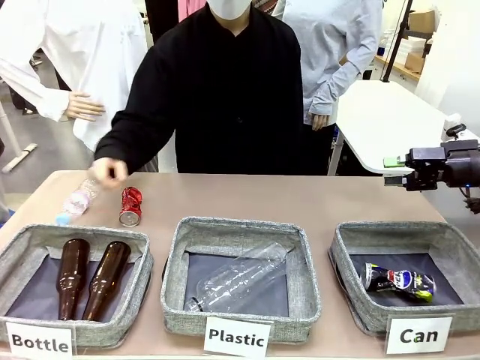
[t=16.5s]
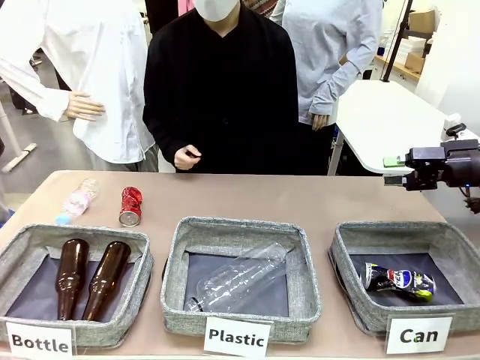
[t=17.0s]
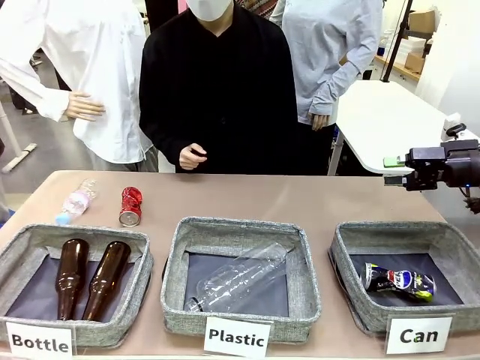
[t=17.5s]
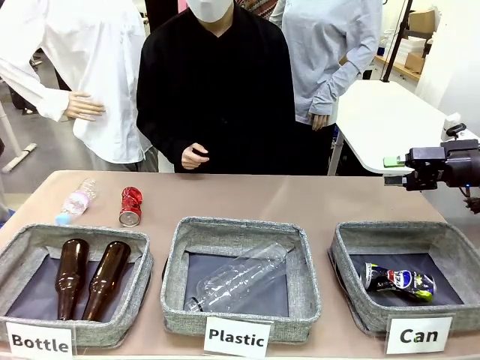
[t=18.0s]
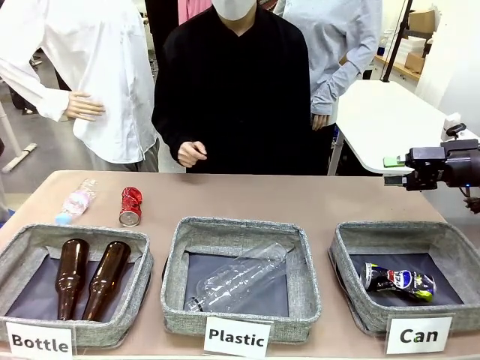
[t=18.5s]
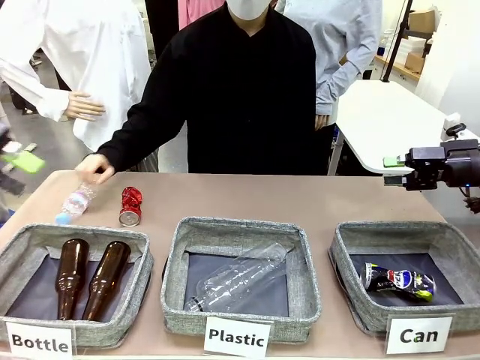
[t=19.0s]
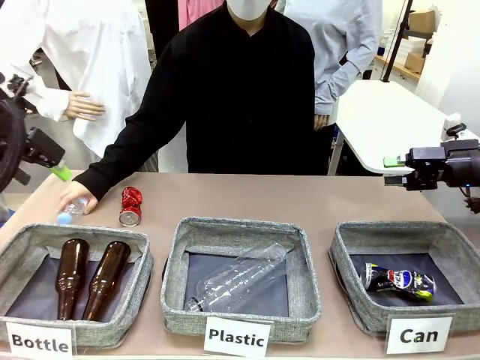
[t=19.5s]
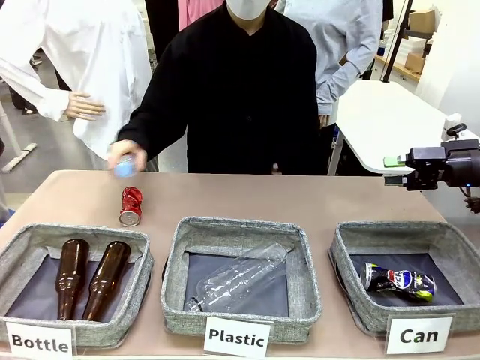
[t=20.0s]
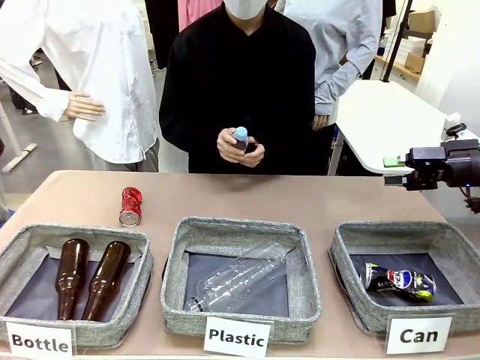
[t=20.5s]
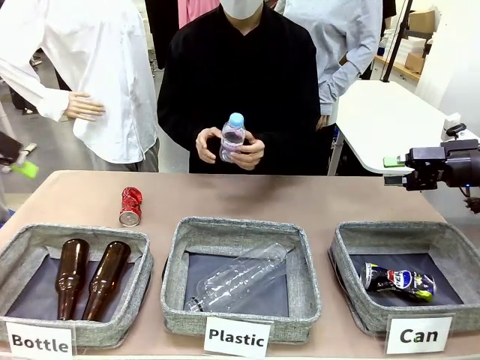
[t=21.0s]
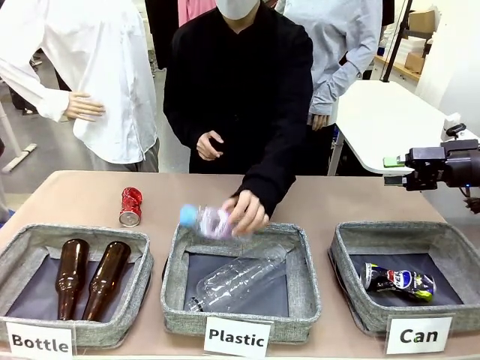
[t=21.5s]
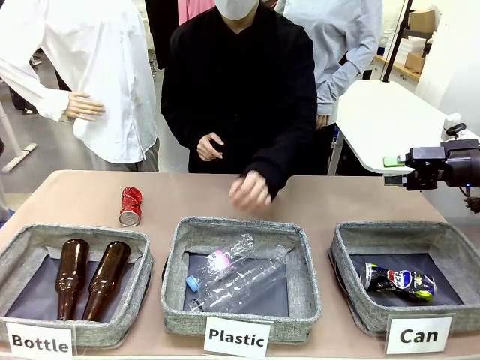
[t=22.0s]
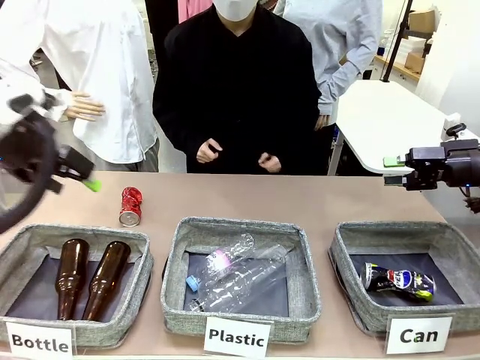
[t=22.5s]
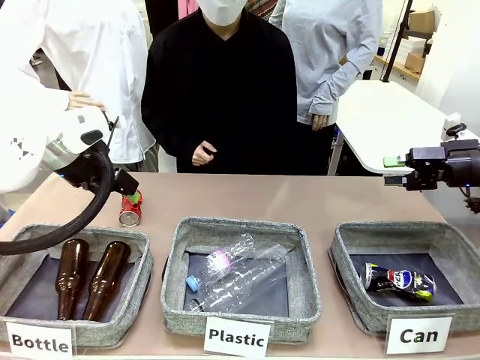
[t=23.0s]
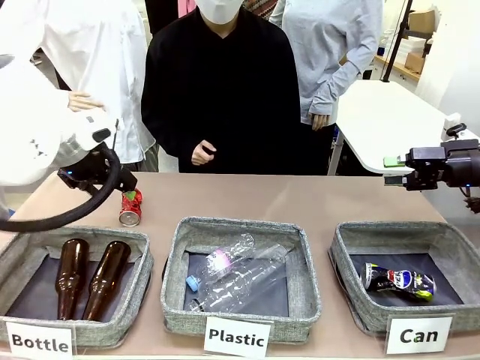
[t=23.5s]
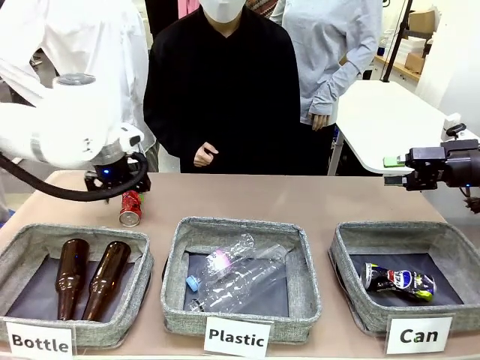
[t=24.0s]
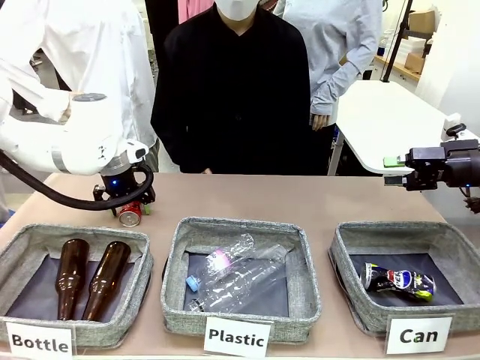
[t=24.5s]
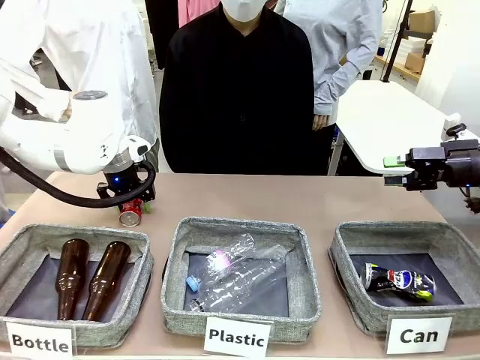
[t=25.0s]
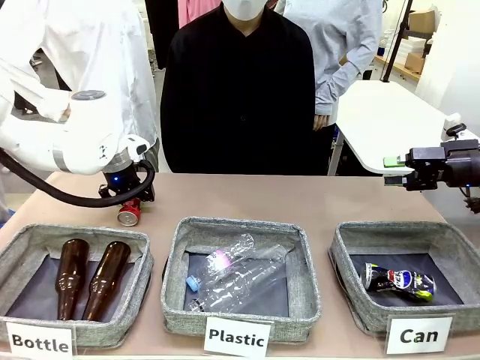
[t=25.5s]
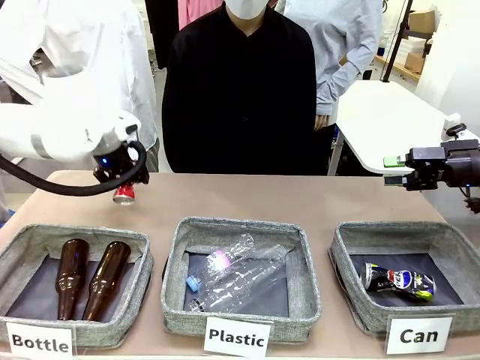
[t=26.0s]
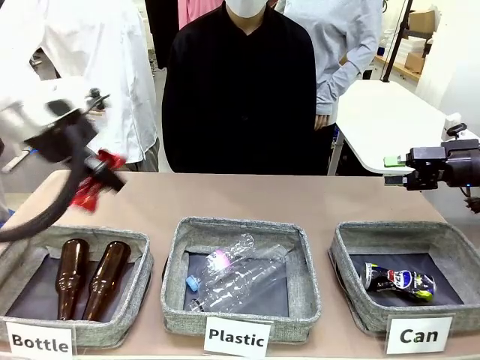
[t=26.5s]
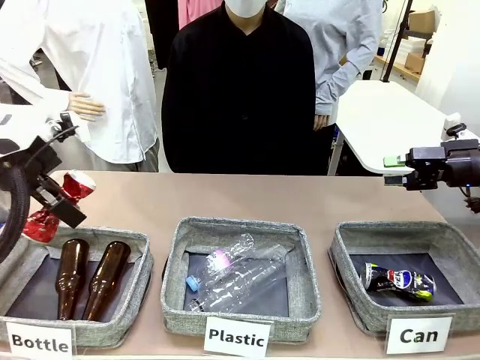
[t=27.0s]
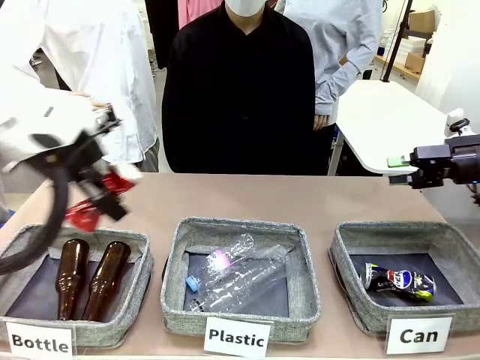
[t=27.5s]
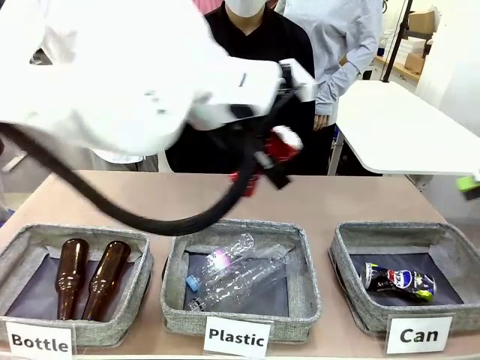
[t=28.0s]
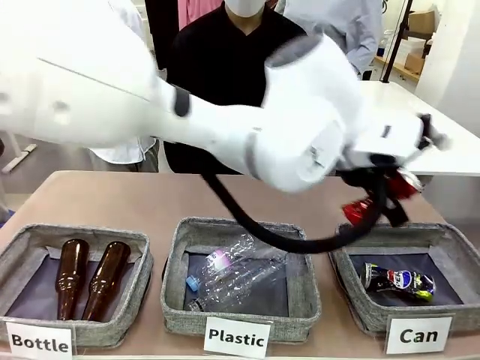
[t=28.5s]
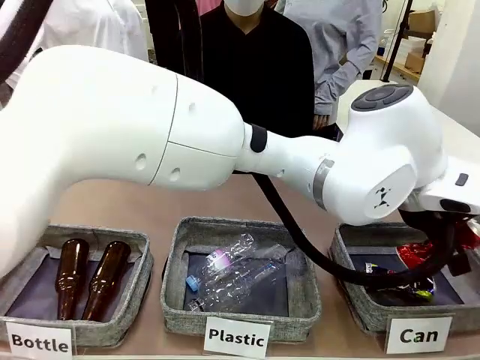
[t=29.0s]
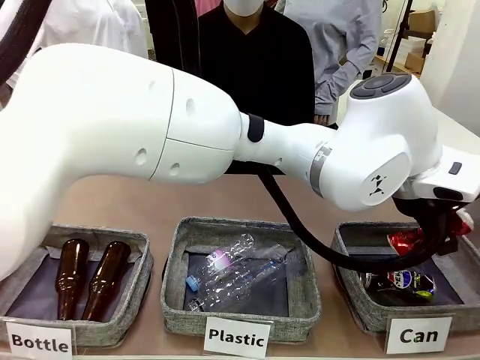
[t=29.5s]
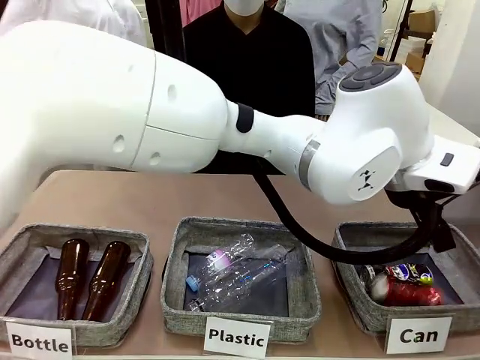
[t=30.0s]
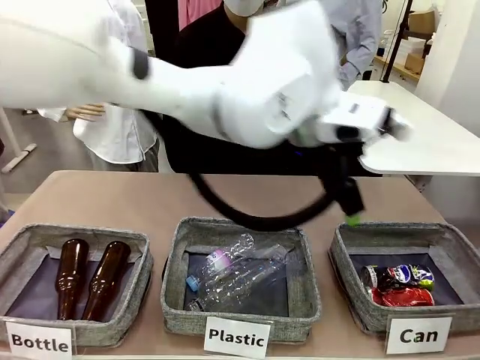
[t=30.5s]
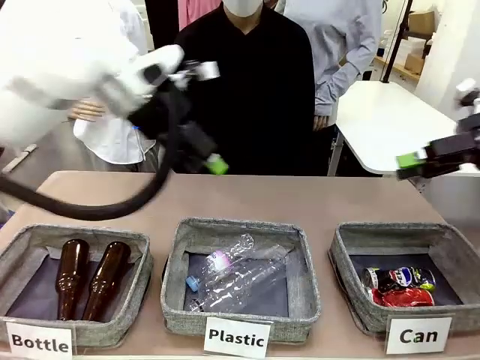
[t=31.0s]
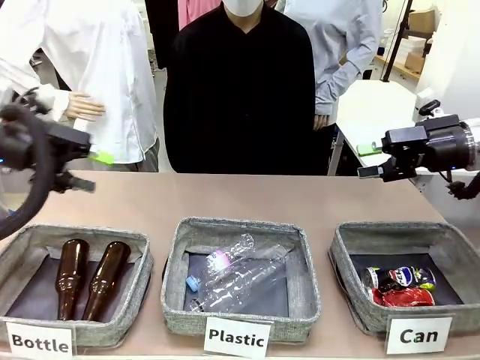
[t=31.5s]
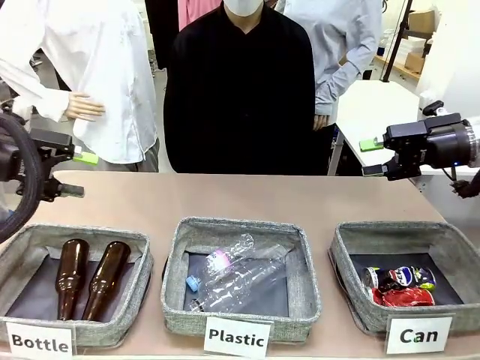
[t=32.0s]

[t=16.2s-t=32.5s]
Task: Sort the can waste into the basket.
Robot: Pick up the can waste from the table and place it in the right Fabric basket.
Person: The human picks up one piece of trash that is not a can and places the trash into the appropriate organizing basket.

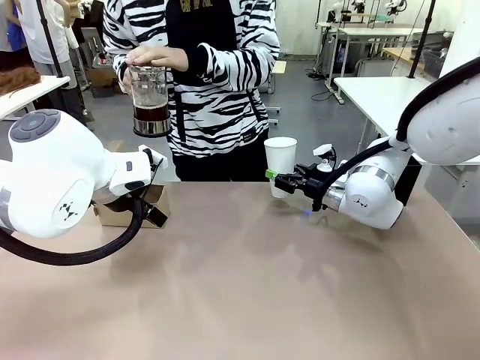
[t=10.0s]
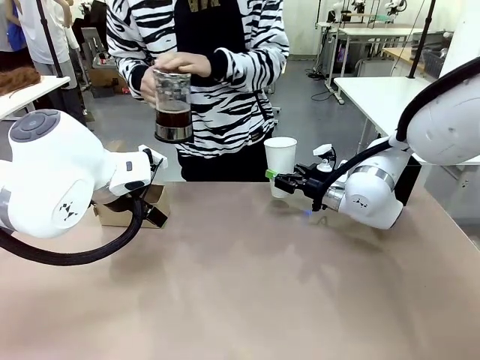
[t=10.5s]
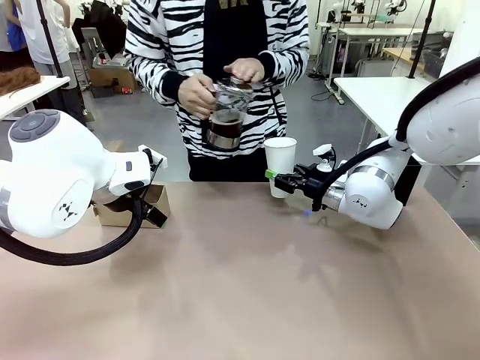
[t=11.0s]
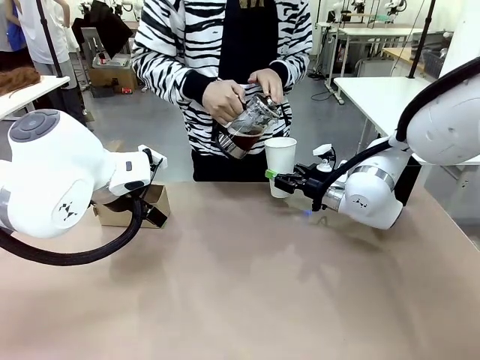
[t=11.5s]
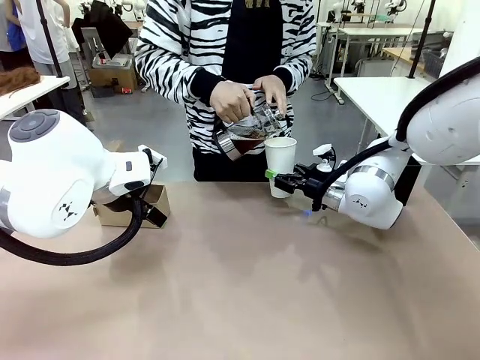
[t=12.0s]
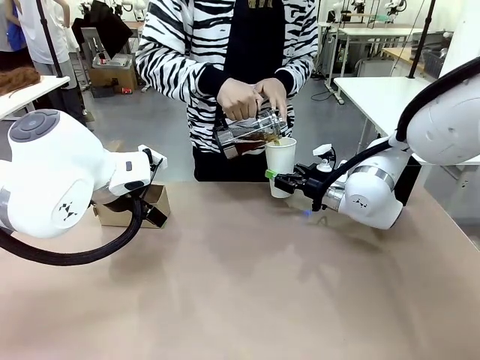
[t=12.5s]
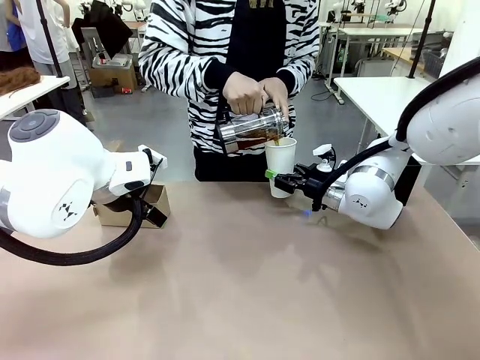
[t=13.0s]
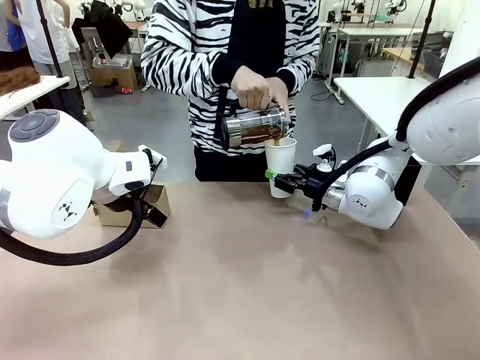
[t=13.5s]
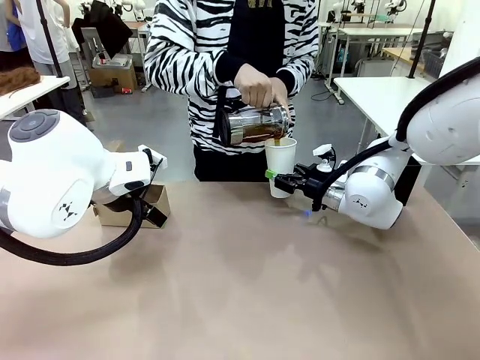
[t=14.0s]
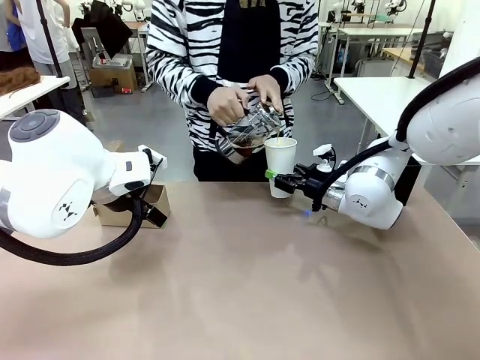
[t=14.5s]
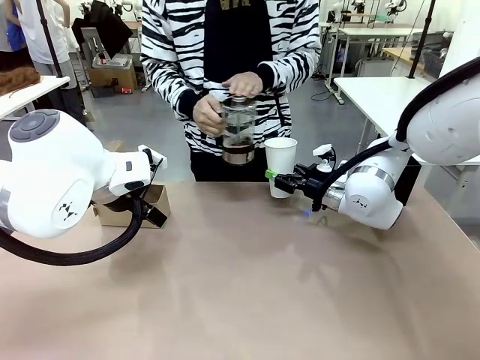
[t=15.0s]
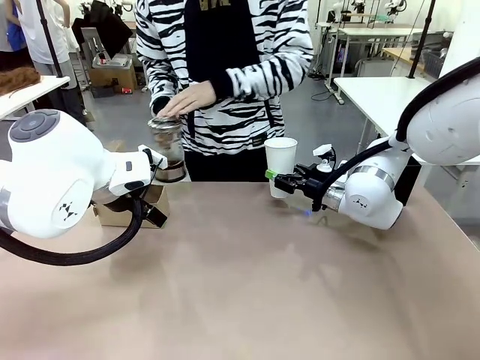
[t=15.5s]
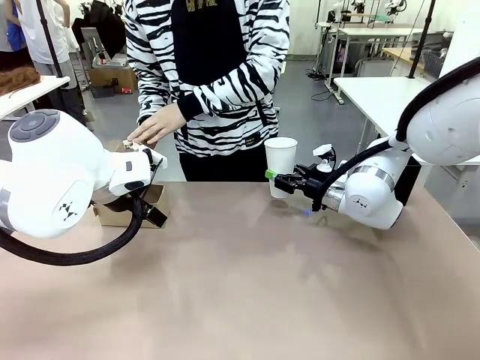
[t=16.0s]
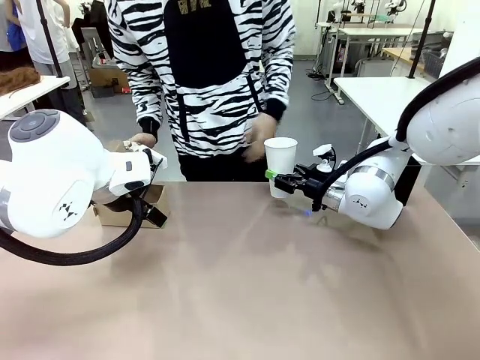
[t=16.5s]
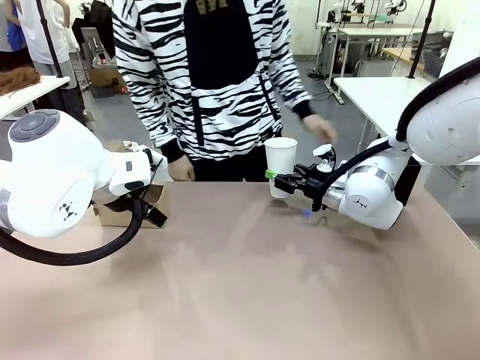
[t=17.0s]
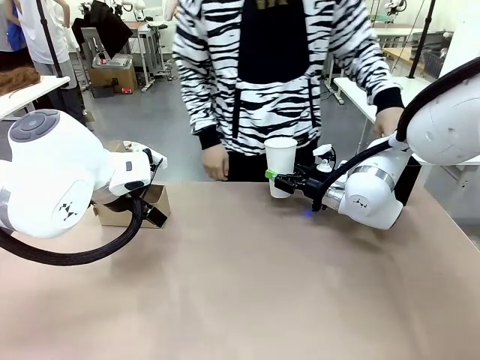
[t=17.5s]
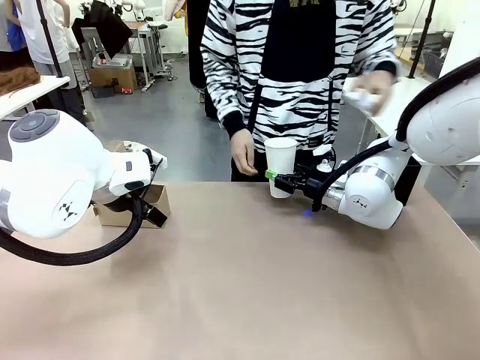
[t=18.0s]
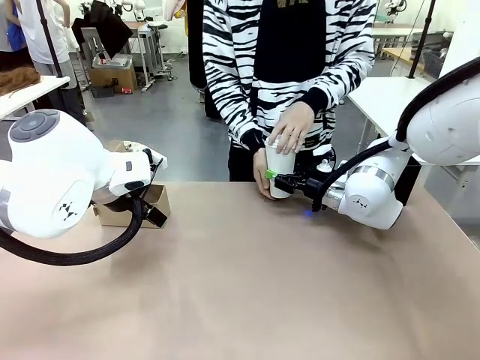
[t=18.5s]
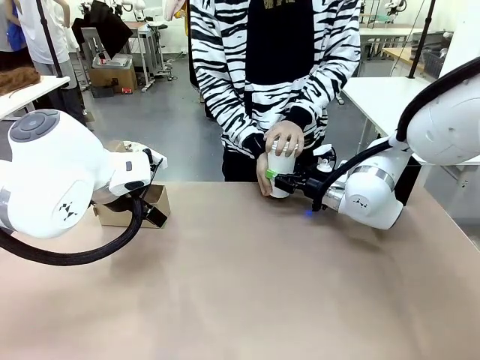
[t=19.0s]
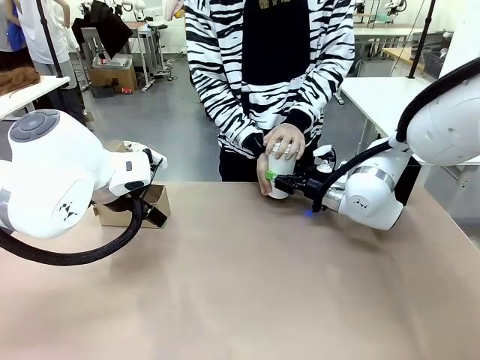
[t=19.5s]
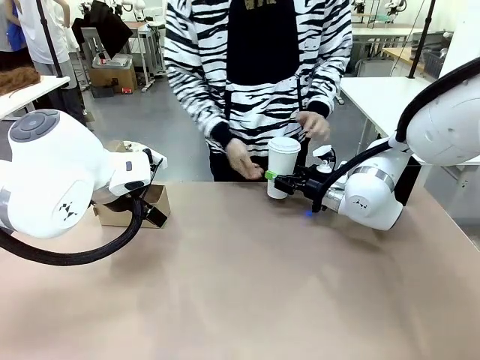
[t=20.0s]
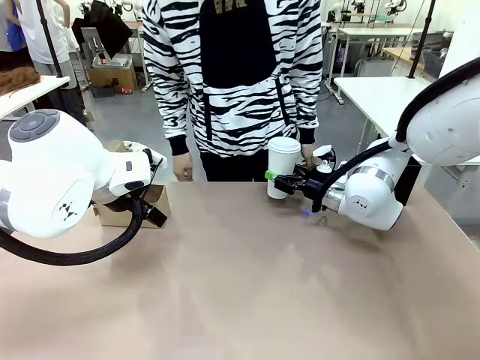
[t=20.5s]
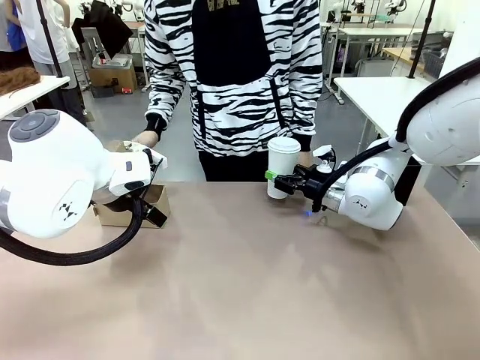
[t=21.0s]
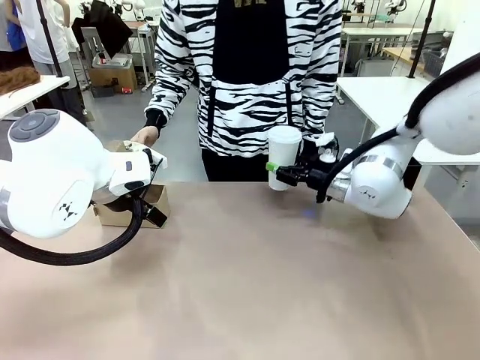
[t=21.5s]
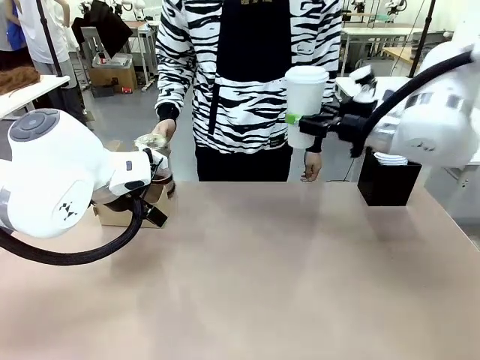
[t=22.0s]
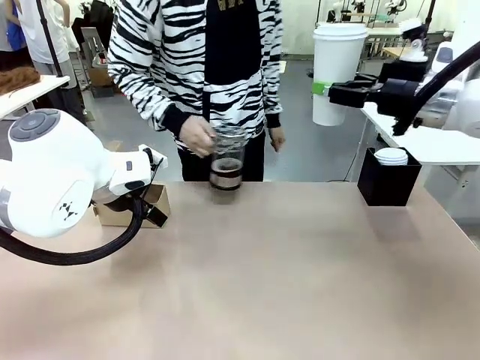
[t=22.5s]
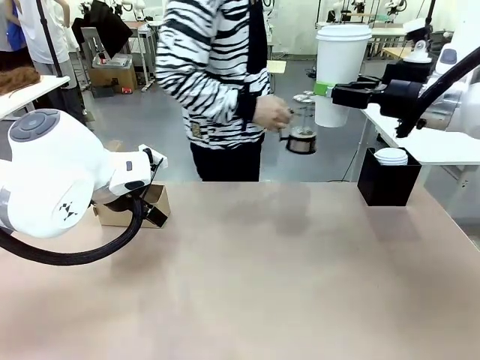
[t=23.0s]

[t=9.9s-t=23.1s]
Task: Pour a drink into a cup and package it in a carrier.
Robot: When a person places the Paper Cup Lid on the 600 ml Paper Cup , lift the 600 ml Paper Cup.
Person: Pour the drink from the Filter Brewing into the 600 ml Paper Cup. Place a Paper Cup Lid on the 600 ml Paper Cup.
